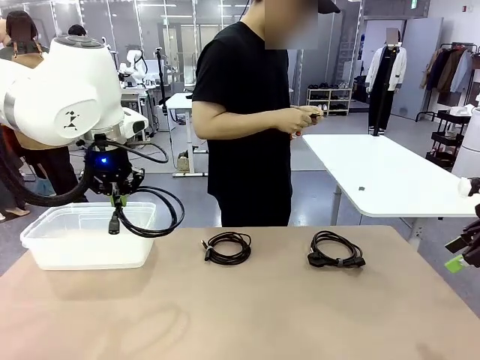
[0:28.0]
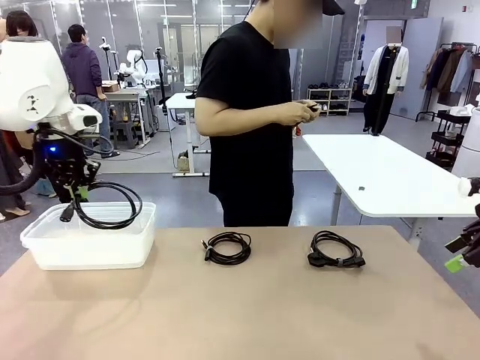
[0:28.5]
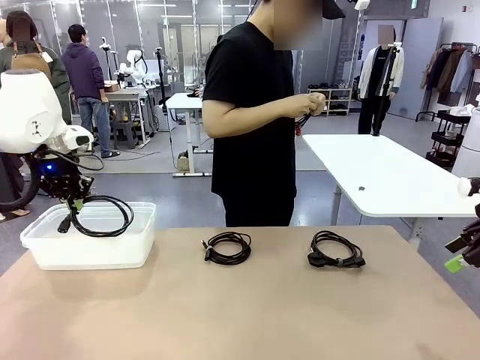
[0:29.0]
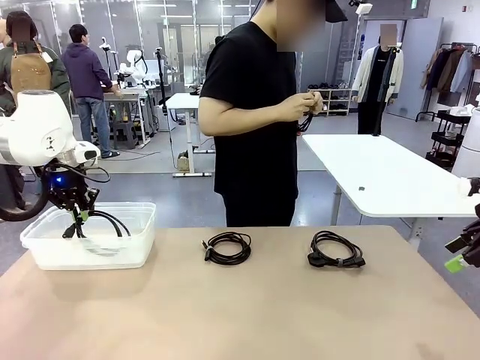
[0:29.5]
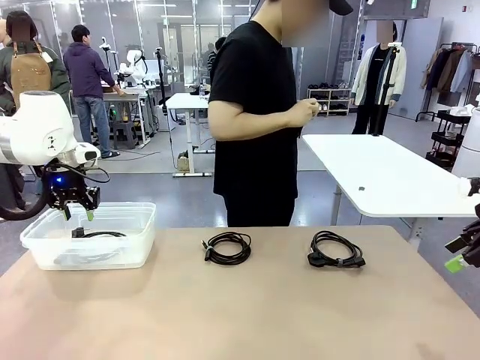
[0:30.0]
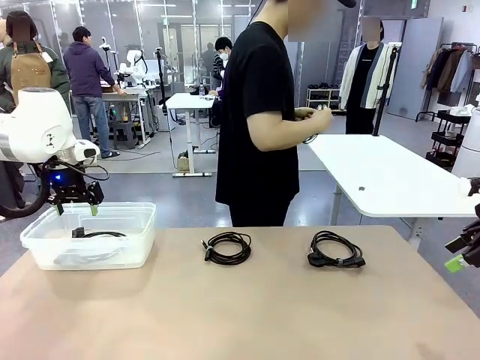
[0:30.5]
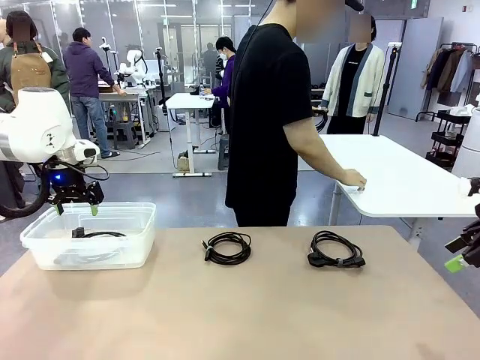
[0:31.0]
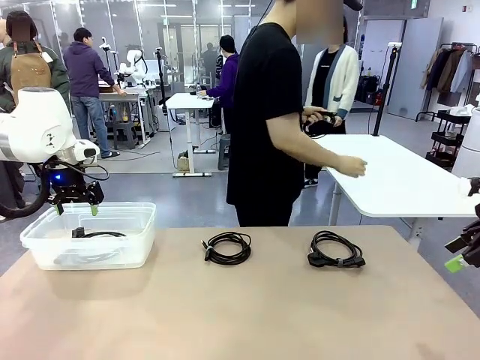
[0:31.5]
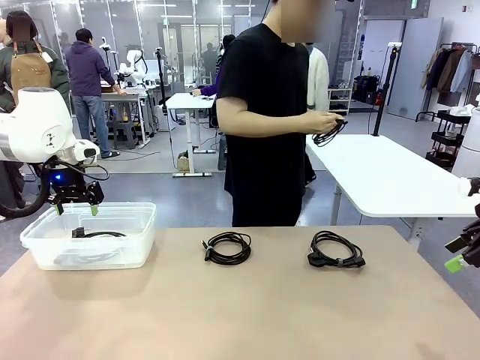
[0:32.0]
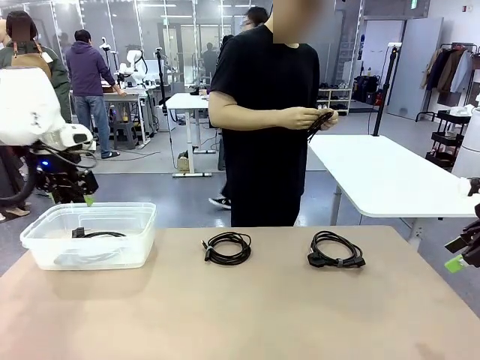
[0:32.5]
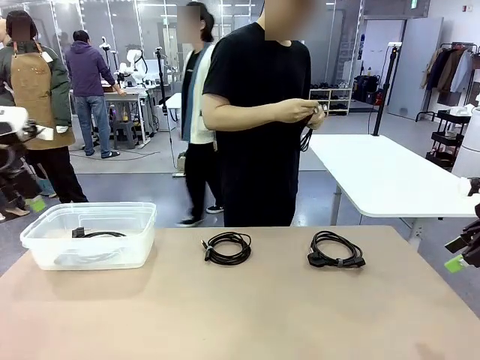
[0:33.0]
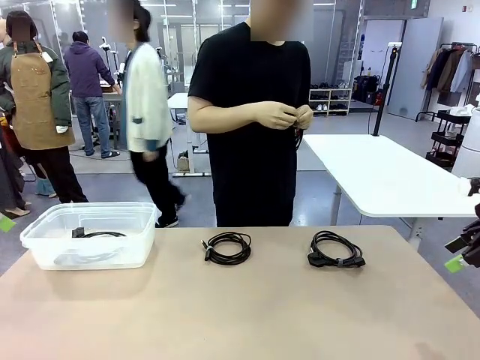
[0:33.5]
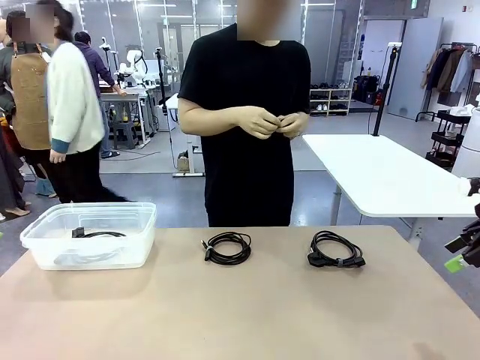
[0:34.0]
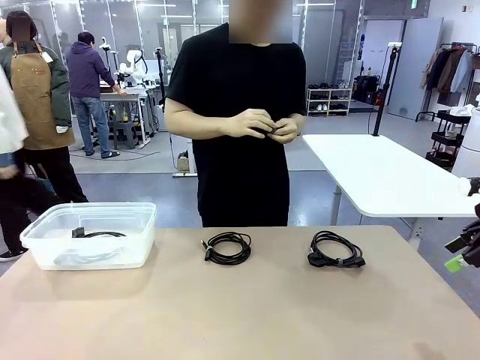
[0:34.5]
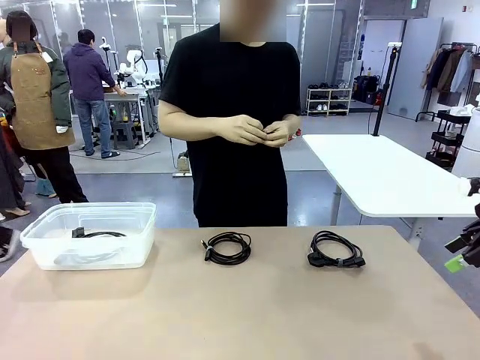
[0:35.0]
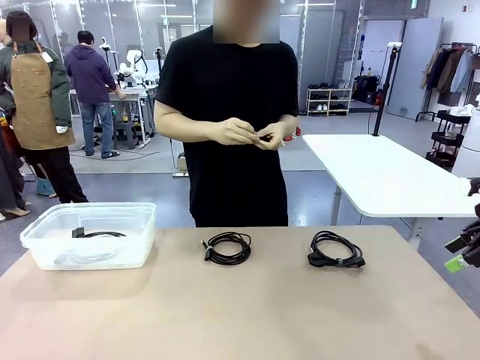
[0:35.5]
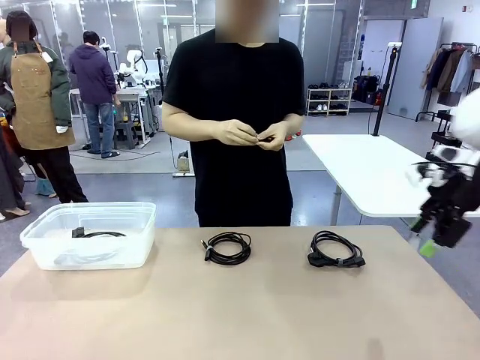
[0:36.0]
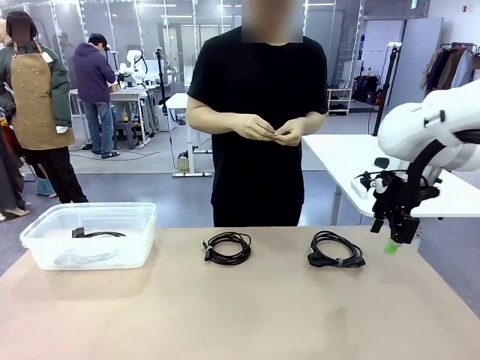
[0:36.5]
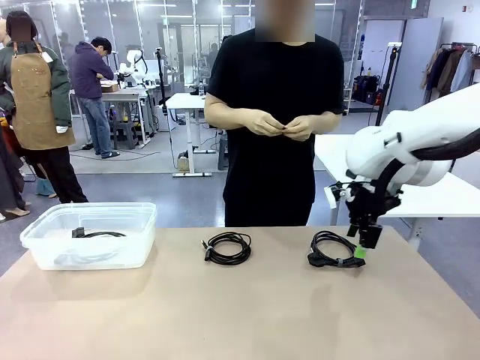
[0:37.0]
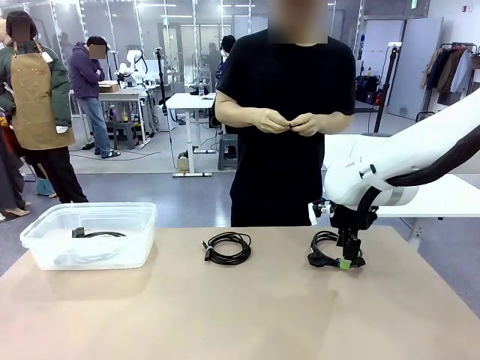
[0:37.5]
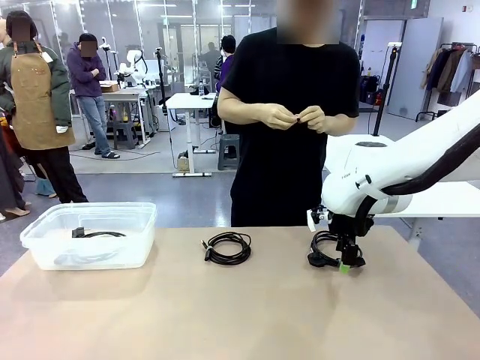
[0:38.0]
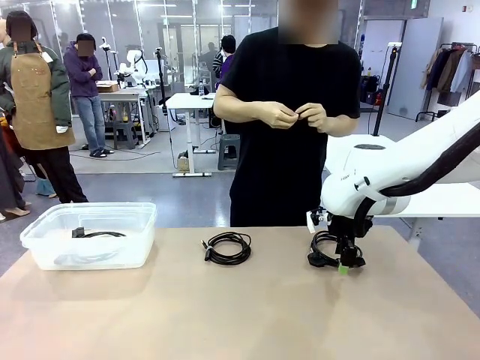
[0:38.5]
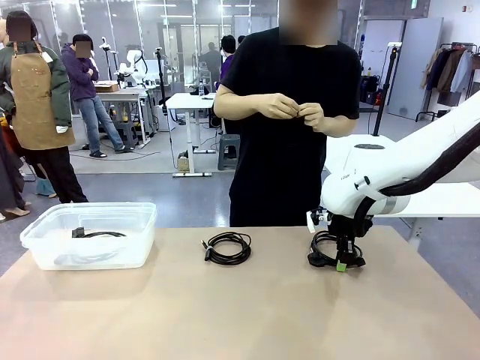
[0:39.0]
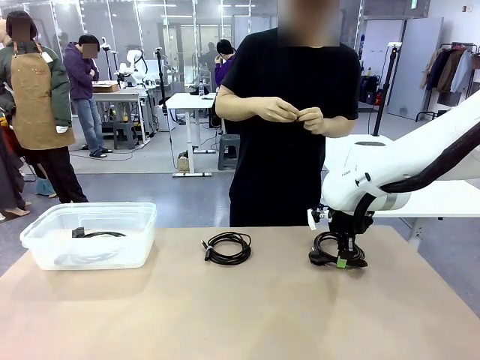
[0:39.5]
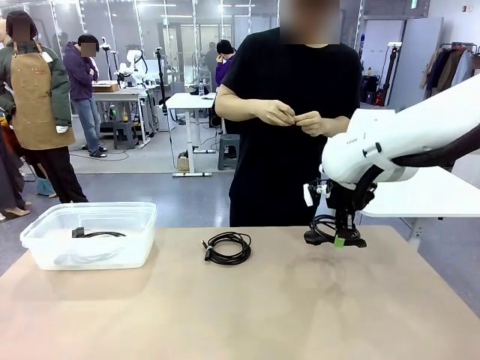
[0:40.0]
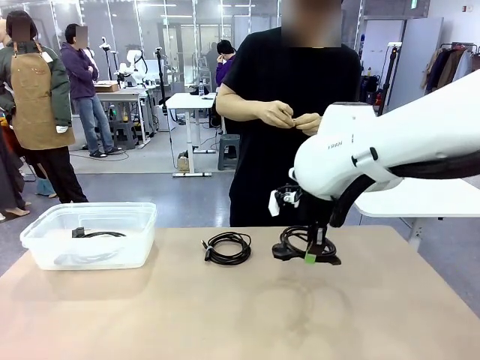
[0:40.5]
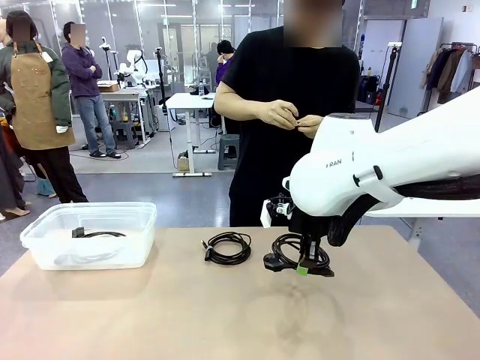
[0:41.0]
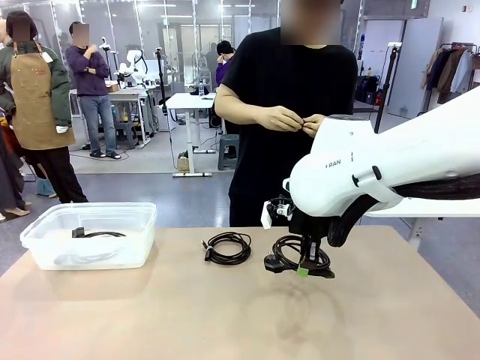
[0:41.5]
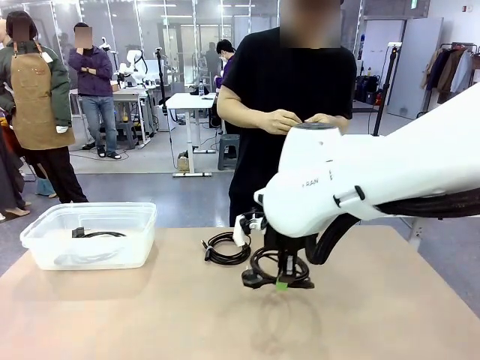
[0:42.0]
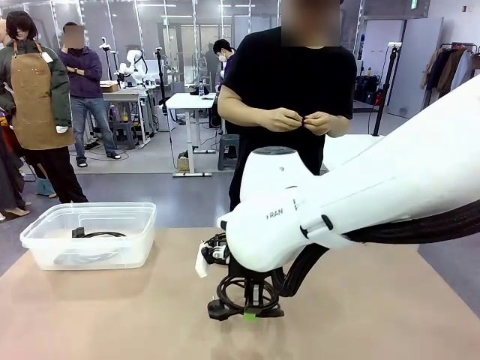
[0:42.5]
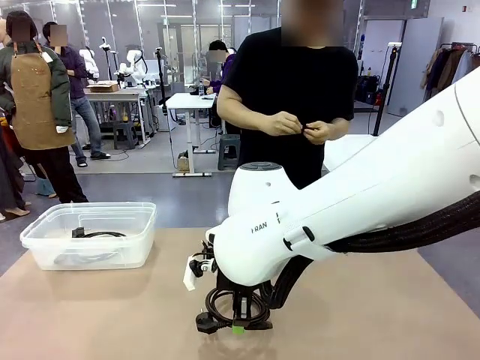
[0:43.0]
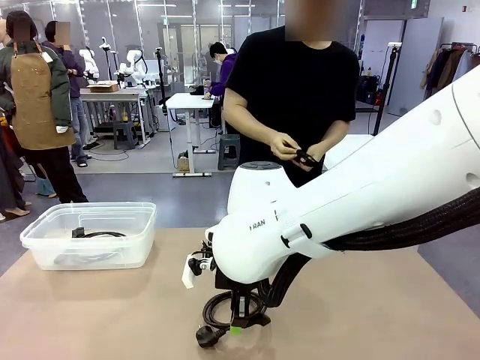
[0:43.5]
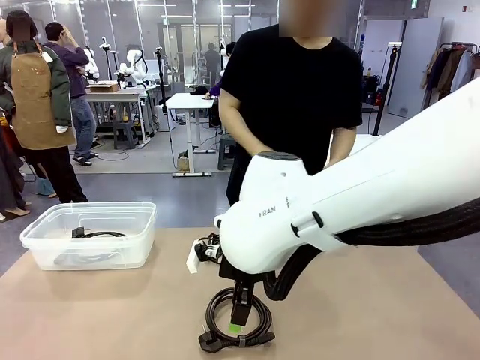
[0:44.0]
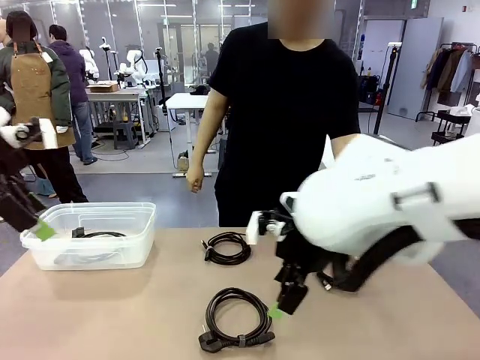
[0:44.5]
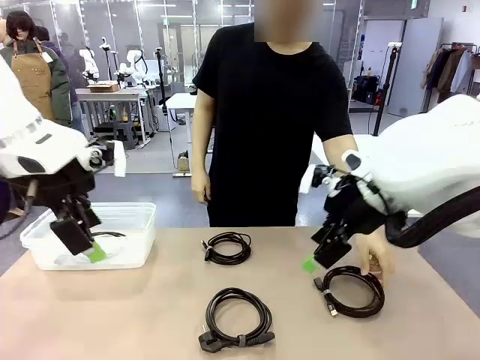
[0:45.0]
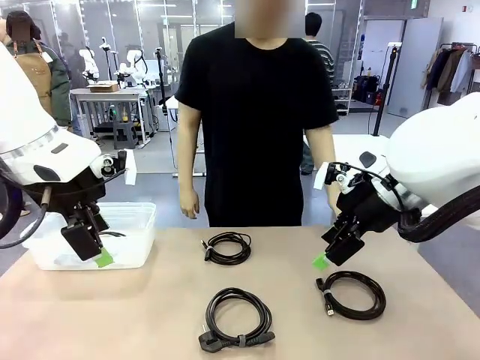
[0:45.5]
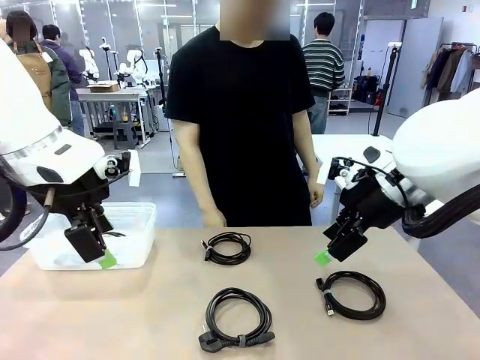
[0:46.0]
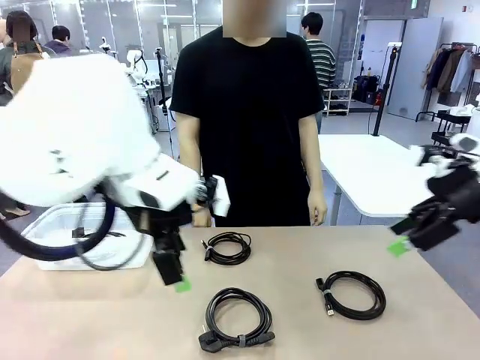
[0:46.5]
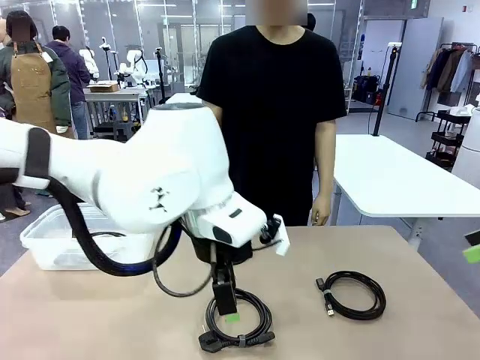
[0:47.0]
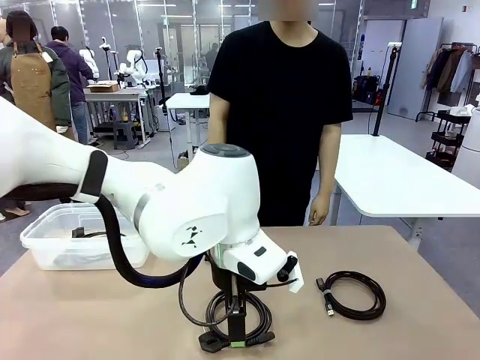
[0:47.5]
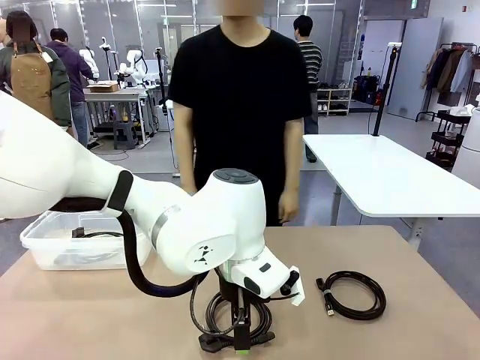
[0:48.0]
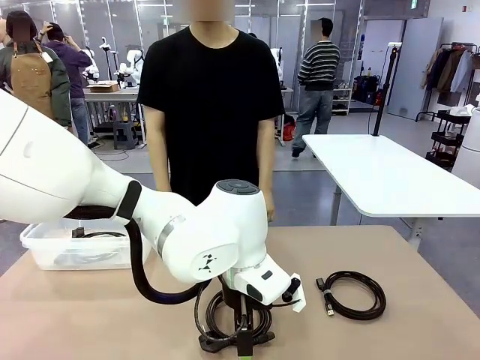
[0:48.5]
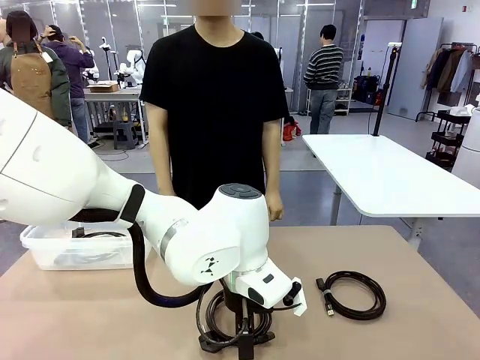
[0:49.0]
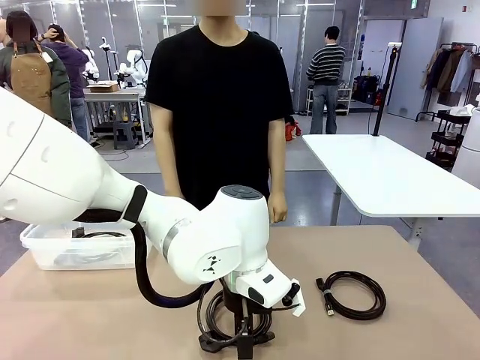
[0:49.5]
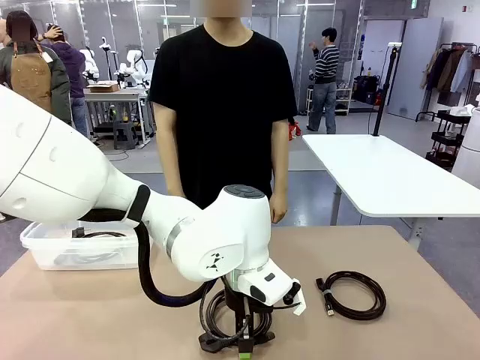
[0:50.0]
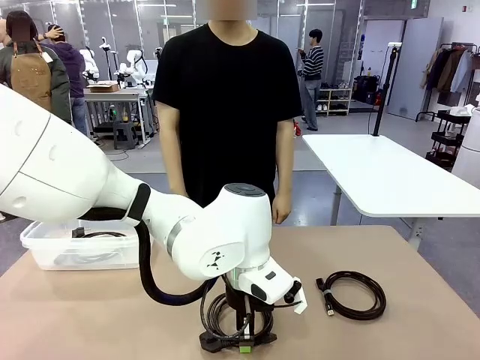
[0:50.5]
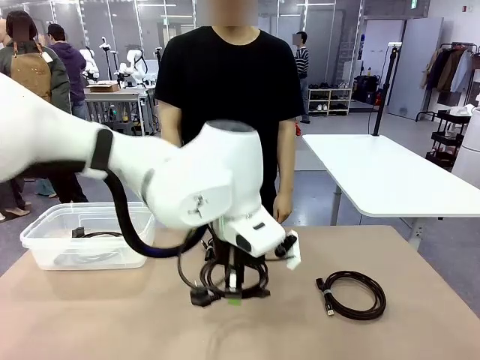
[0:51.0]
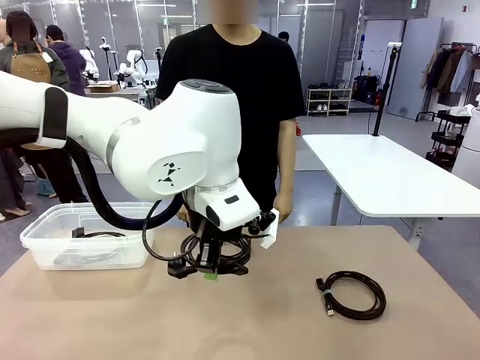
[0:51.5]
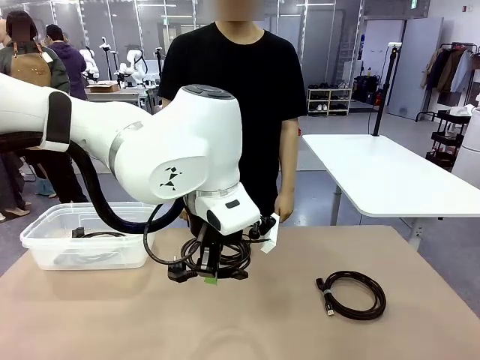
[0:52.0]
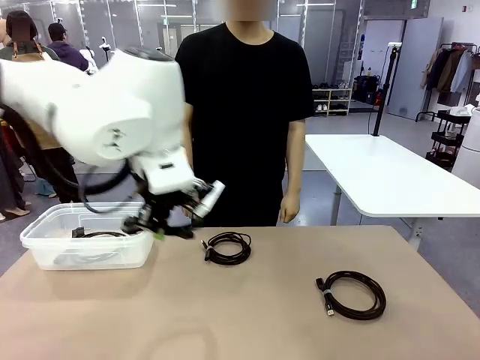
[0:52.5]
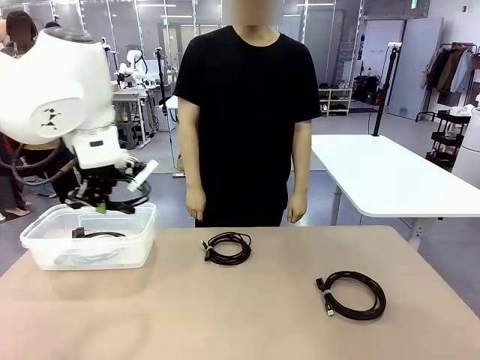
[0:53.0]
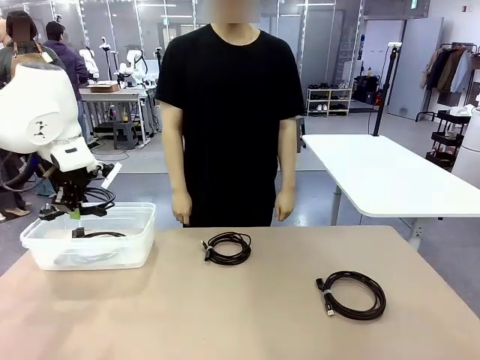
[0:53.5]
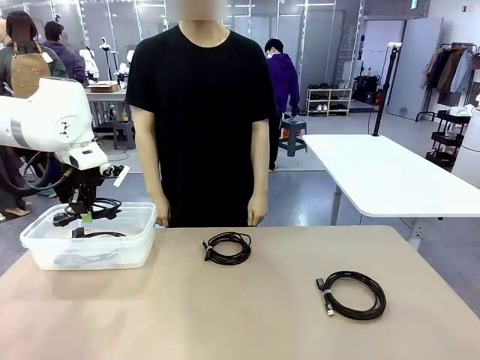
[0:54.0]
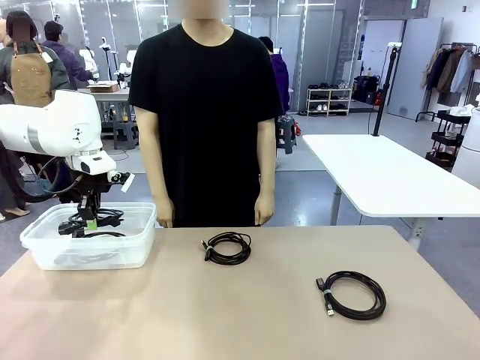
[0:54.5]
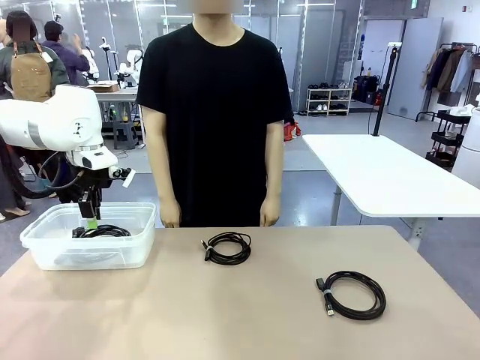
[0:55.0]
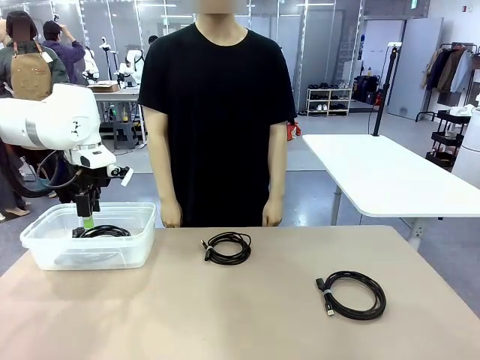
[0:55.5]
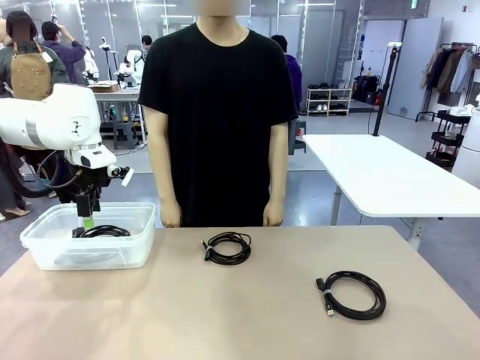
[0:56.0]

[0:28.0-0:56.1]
Task: Organize and store the cables.
Robot: Place the Power Cable into the Organizing box.
